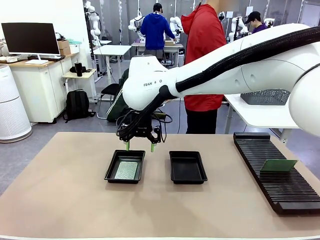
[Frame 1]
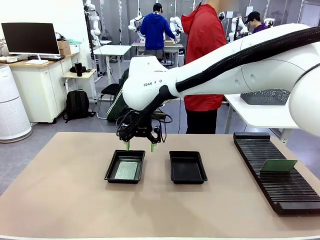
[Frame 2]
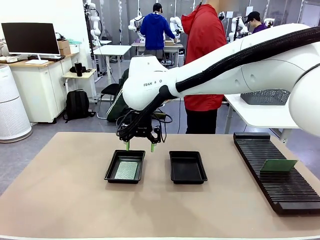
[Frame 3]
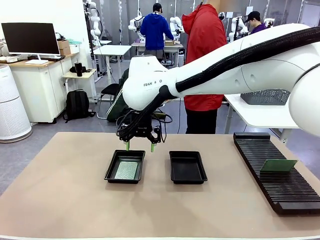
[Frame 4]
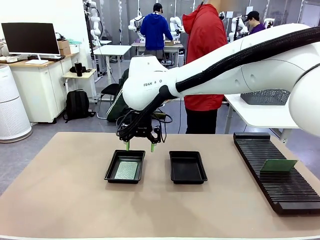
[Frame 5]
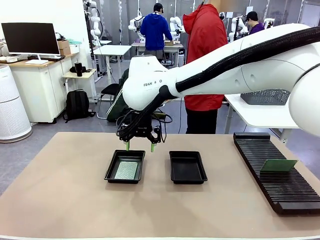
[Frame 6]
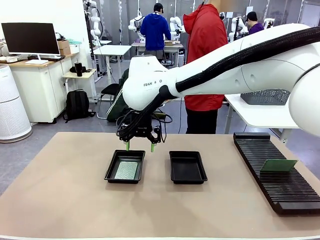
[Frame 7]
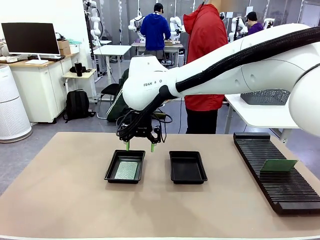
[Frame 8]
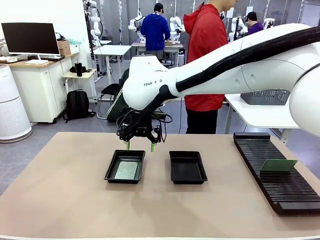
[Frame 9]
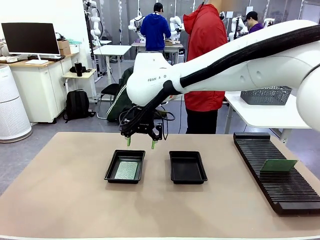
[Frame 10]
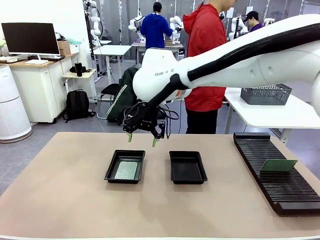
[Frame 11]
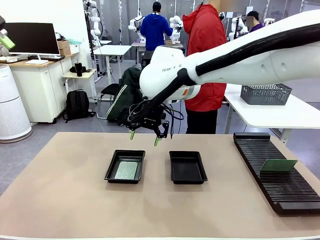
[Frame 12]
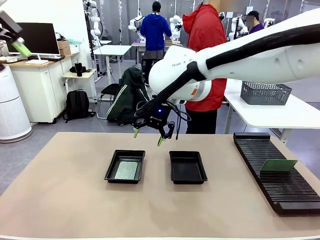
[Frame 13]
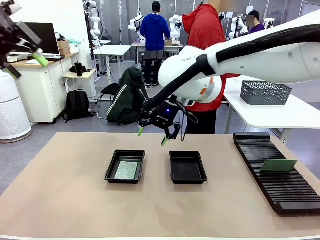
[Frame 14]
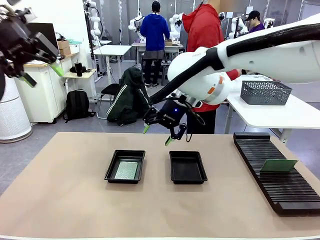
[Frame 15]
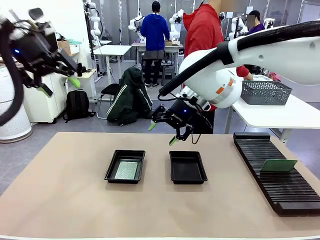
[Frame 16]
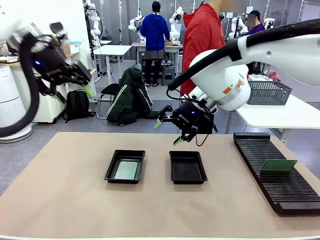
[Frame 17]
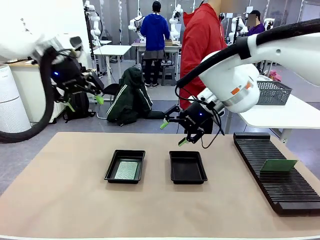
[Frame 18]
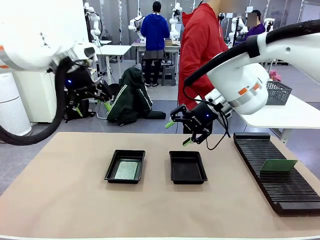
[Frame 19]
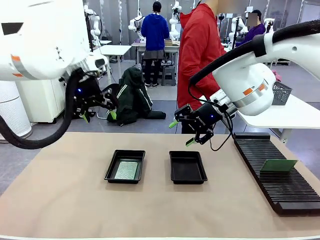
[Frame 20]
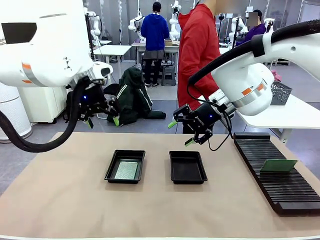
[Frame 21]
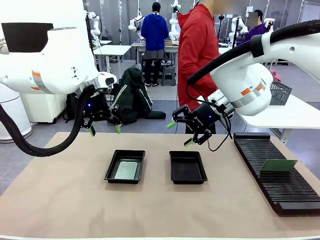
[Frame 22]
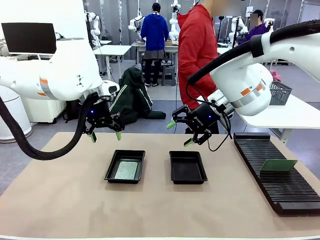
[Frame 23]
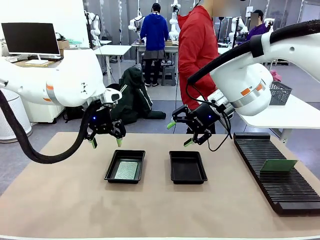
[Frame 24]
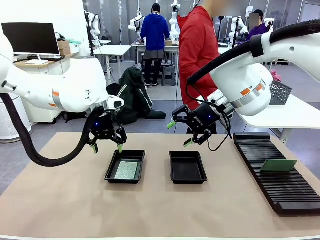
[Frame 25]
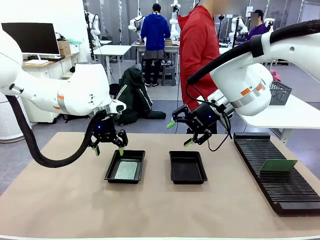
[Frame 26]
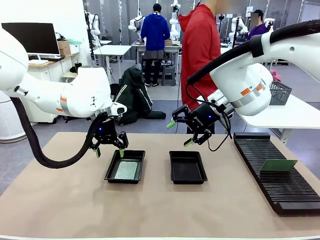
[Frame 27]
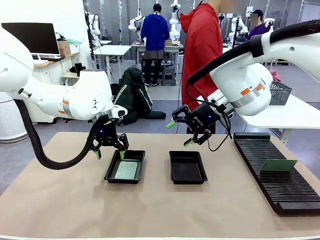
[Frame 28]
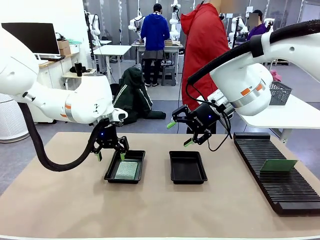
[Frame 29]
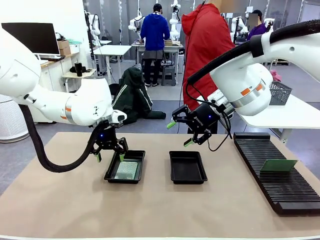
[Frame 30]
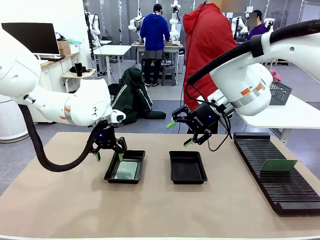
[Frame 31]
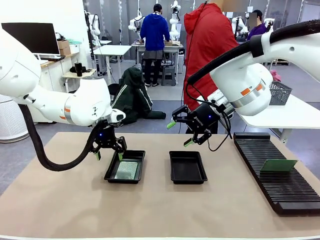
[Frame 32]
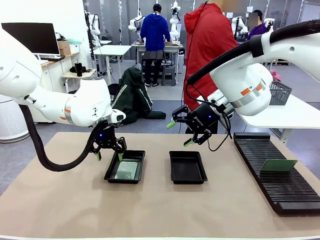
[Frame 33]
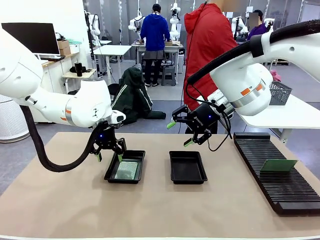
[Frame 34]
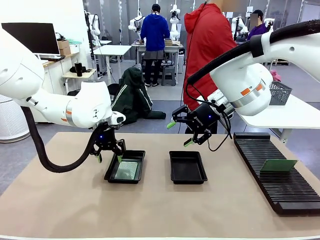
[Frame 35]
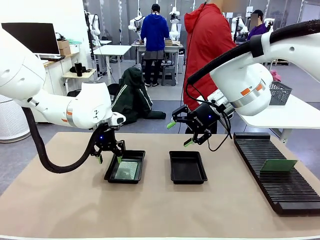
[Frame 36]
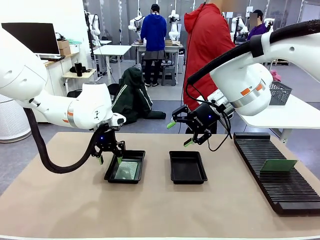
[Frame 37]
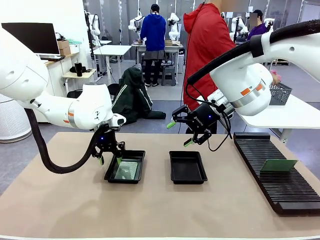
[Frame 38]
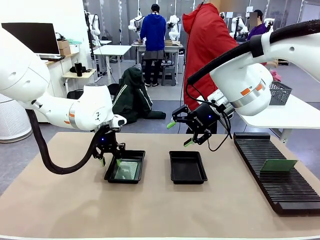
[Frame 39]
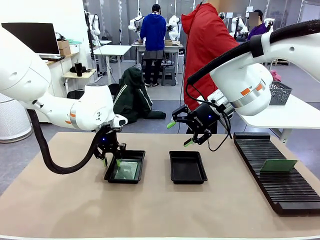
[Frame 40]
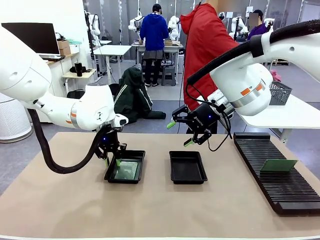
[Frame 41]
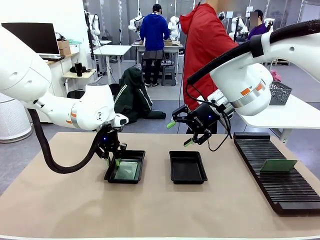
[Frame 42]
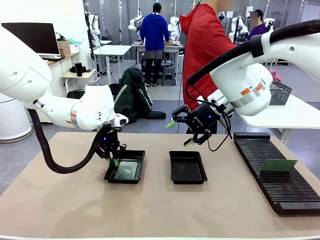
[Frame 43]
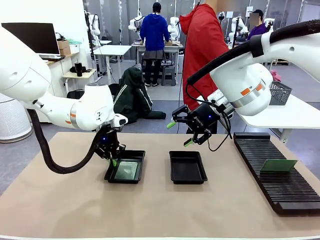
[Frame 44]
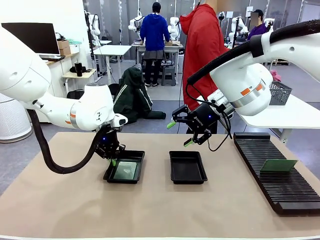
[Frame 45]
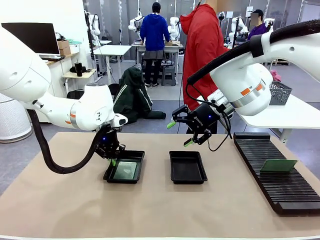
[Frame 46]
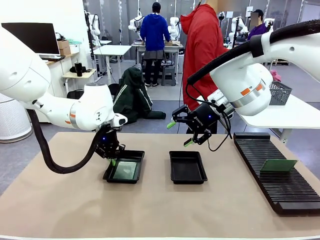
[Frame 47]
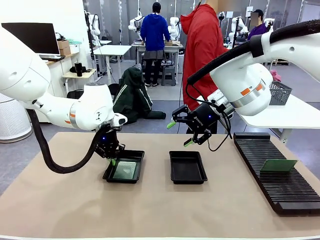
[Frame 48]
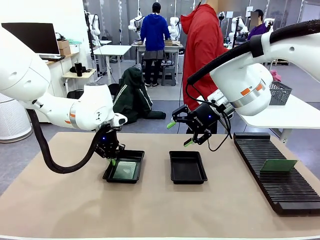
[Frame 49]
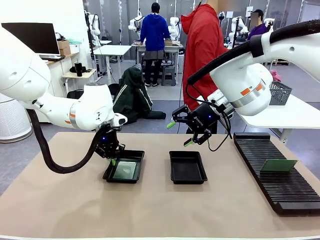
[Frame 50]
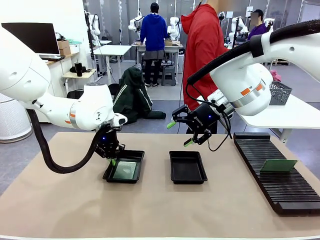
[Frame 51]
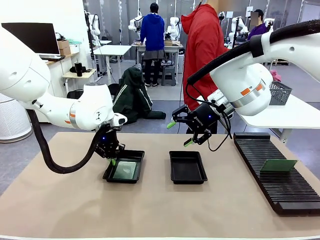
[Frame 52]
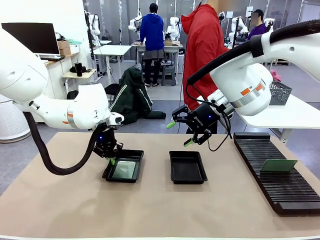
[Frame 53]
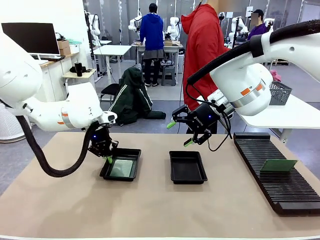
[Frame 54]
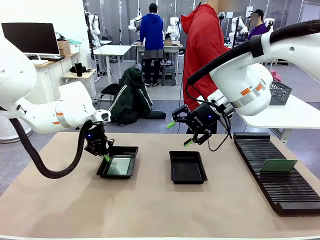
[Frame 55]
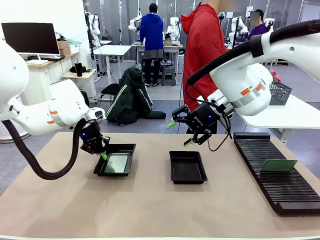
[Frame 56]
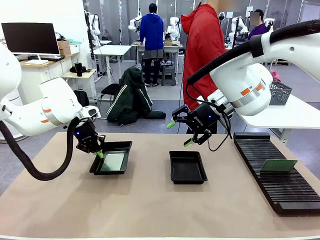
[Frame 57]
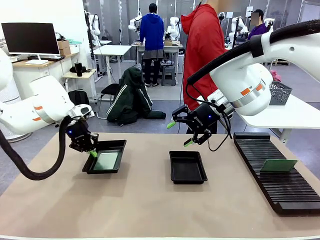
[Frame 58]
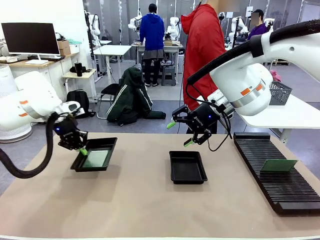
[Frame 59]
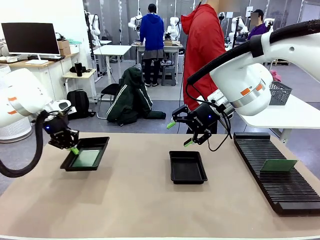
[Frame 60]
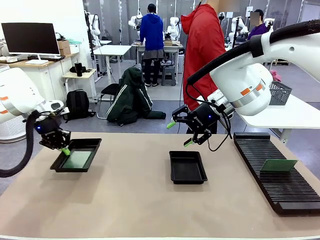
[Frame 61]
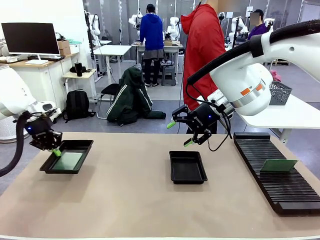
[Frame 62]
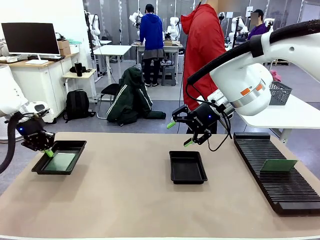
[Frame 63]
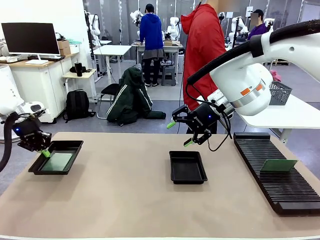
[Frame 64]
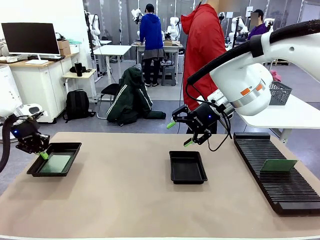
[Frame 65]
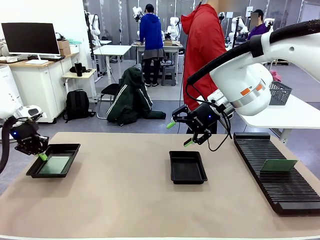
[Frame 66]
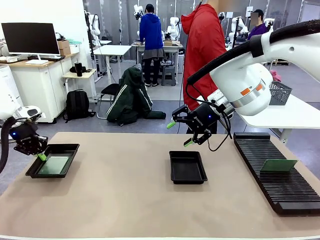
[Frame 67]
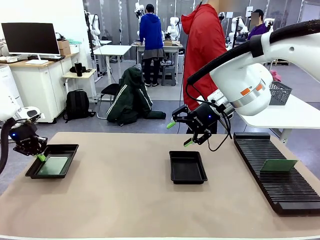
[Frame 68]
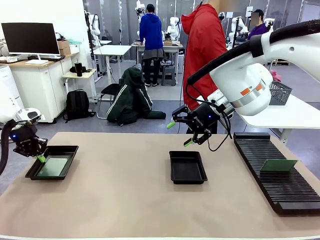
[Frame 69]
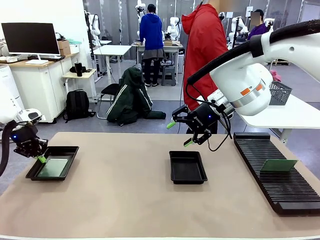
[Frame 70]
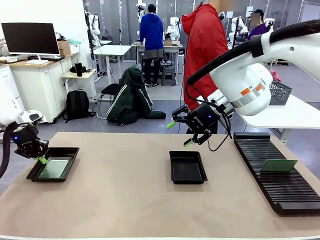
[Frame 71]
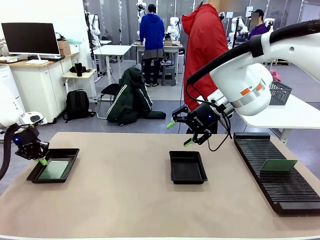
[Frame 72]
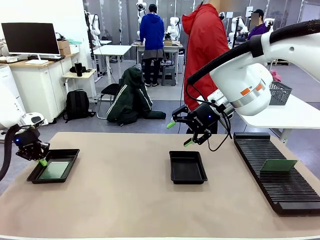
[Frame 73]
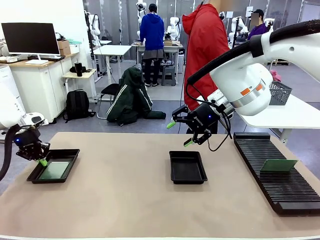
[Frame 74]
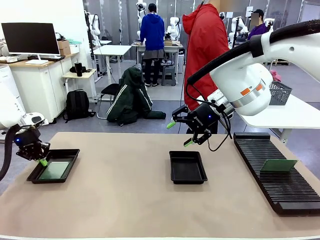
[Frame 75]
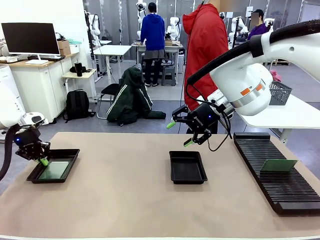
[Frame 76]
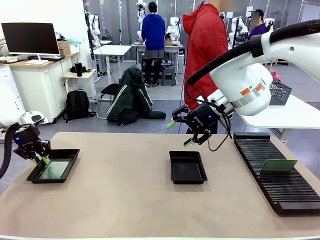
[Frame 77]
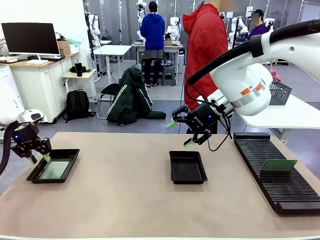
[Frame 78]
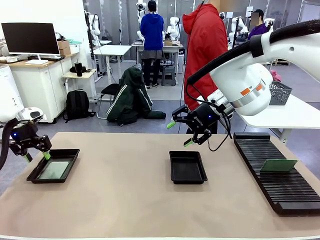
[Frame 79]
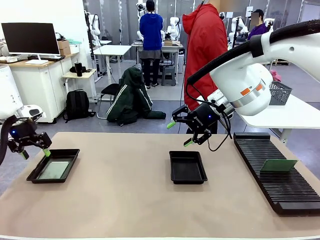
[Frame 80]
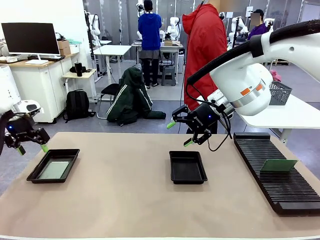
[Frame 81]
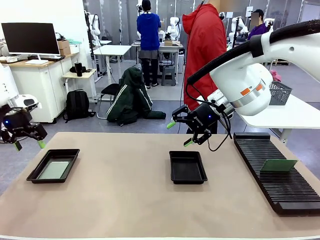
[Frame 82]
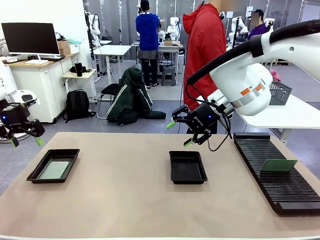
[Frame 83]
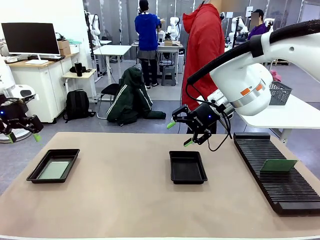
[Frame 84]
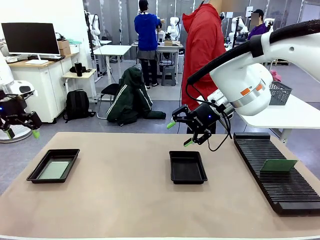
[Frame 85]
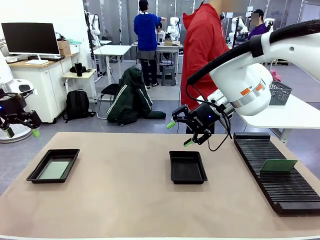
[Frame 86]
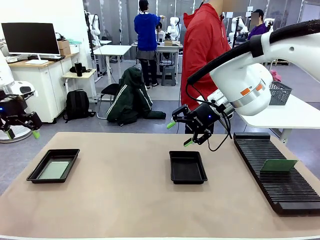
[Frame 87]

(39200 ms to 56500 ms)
Task: Inspect and transfer BCBs to ESD trays.
Robot: Pick up the ESD tray and place it on the left side of the table.

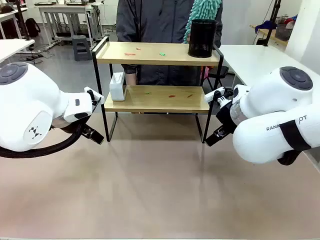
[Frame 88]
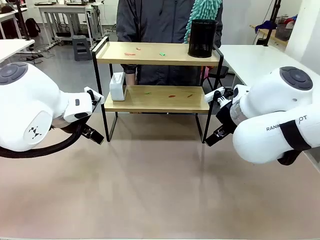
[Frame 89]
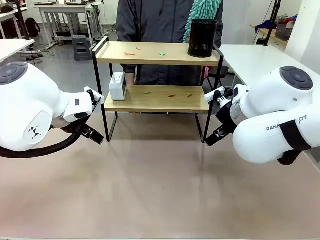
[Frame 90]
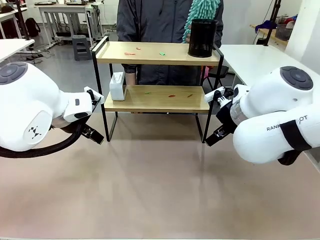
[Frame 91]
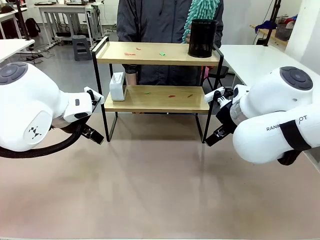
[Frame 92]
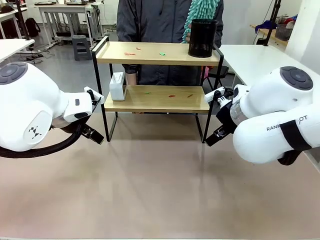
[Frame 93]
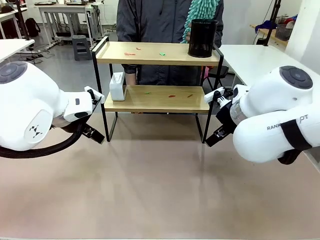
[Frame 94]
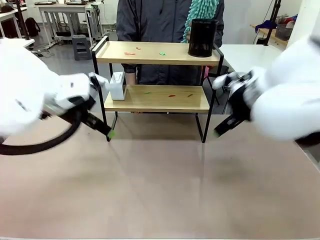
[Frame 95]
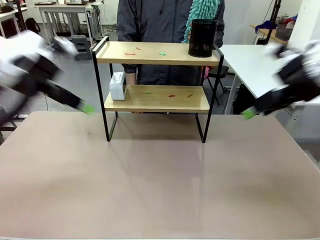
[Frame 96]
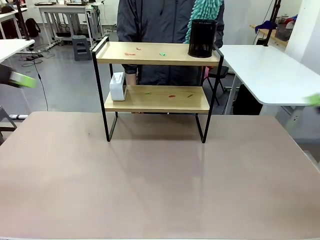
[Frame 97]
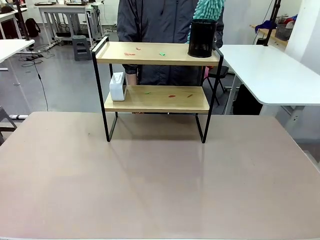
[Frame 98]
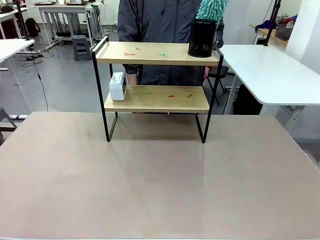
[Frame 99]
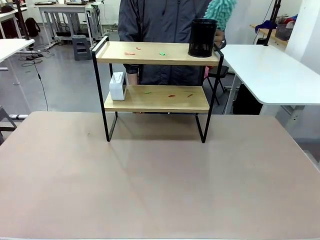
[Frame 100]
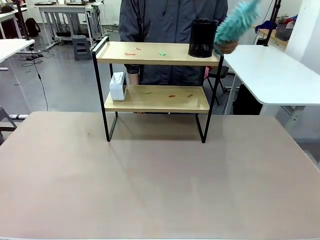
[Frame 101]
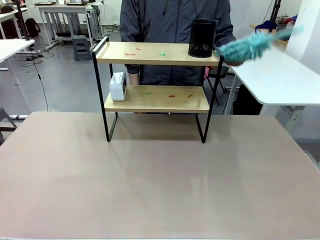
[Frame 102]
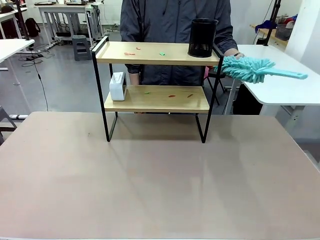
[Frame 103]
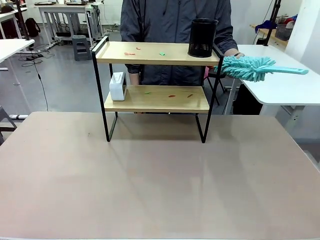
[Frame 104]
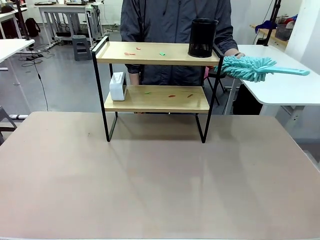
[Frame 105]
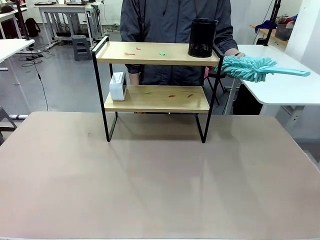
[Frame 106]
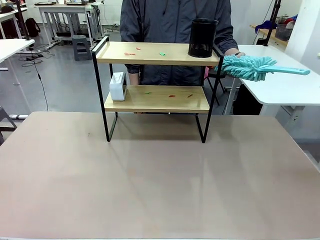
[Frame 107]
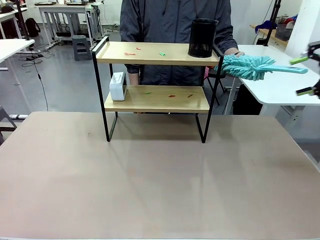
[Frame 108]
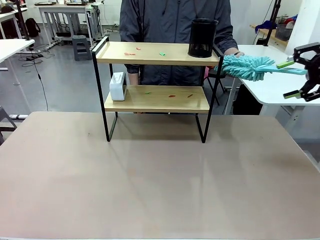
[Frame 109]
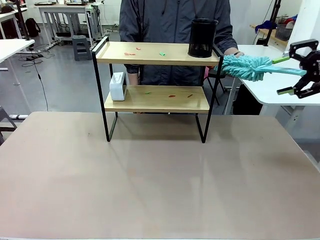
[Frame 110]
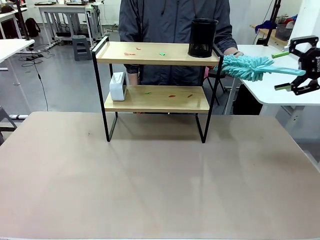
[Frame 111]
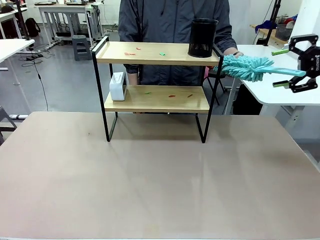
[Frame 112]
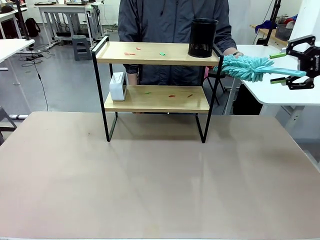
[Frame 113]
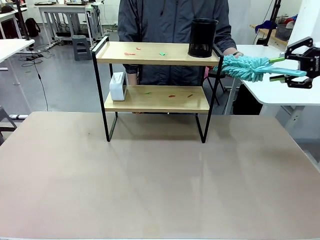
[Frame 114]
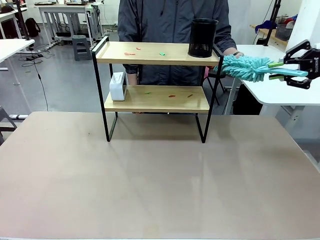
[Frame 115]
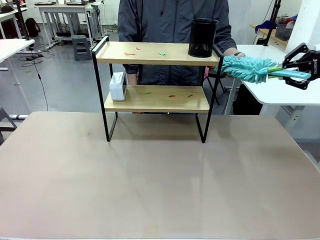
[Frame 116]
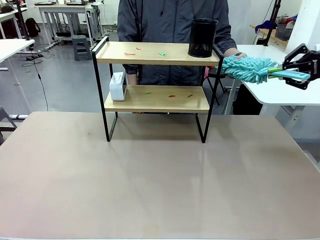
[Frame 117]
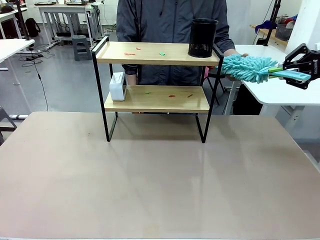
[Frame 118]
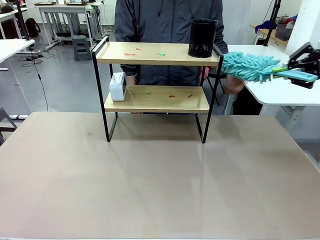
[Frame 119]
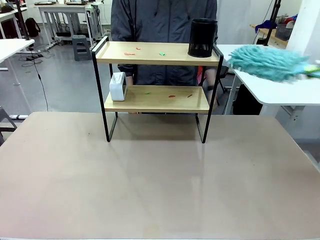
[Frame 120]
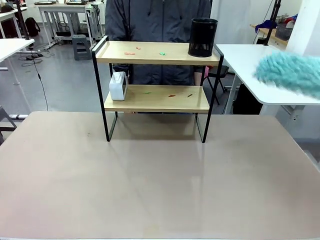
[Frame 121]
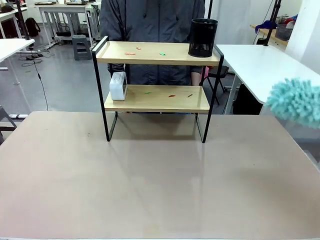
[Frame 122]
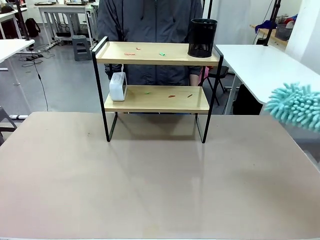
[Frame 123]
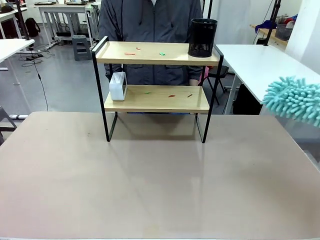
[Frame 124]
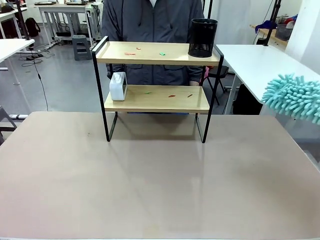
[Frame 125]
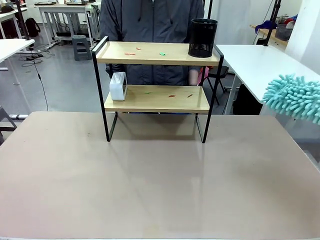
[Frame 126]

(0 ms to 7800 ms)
Task: Clean the shelf.
Robot: Pick up the Duster from the human.
Person: Hand the Duster to the robot.
